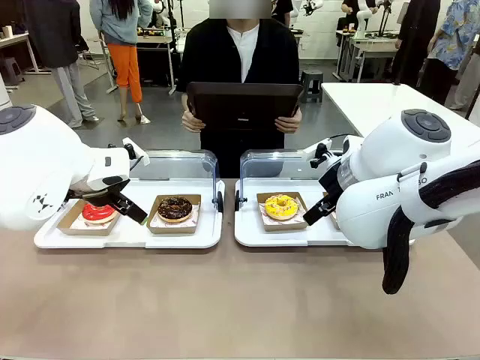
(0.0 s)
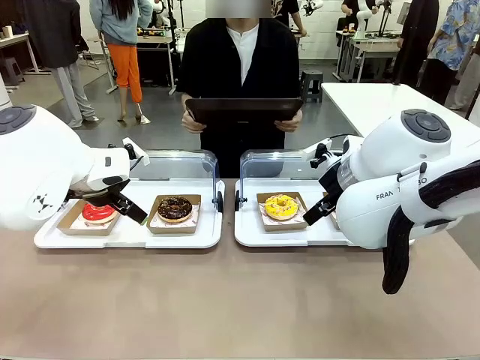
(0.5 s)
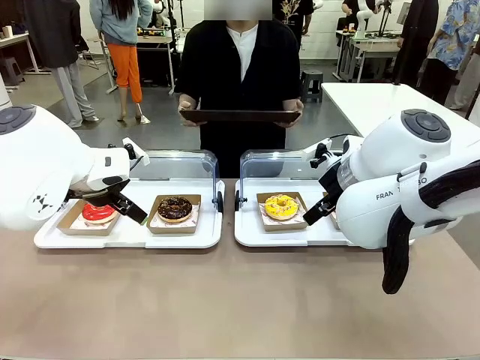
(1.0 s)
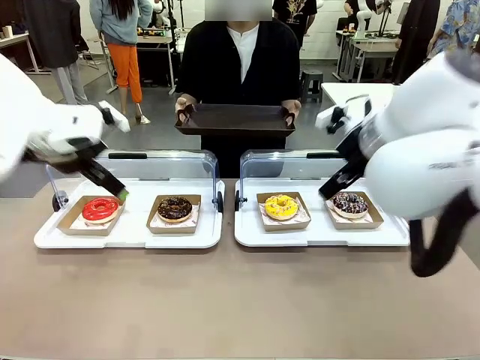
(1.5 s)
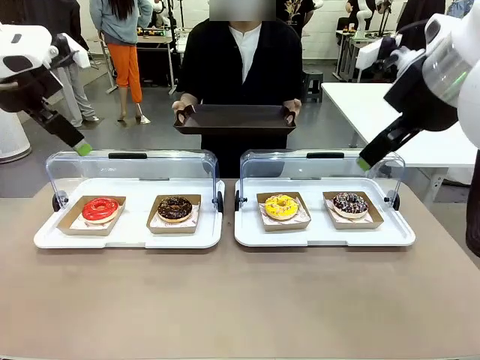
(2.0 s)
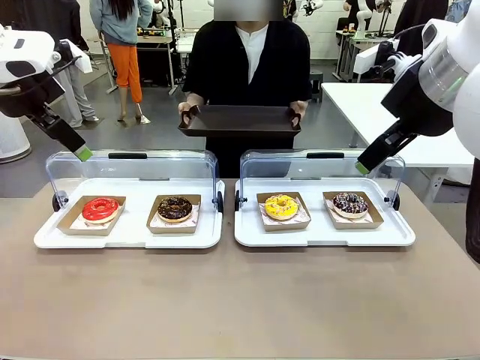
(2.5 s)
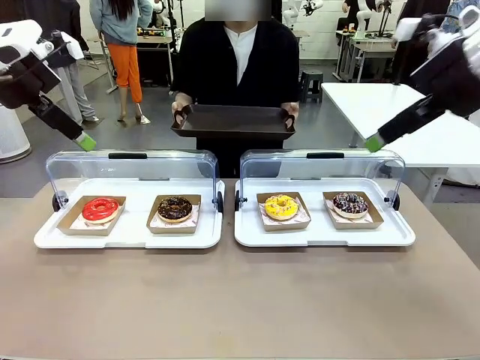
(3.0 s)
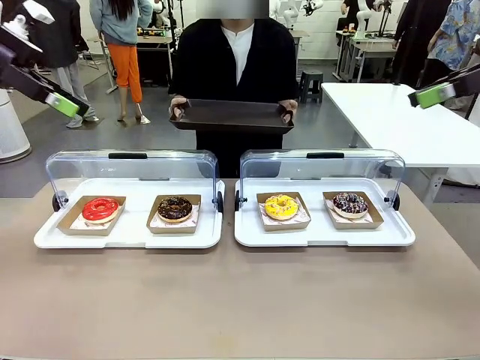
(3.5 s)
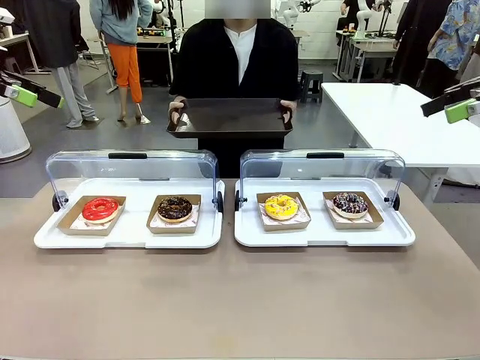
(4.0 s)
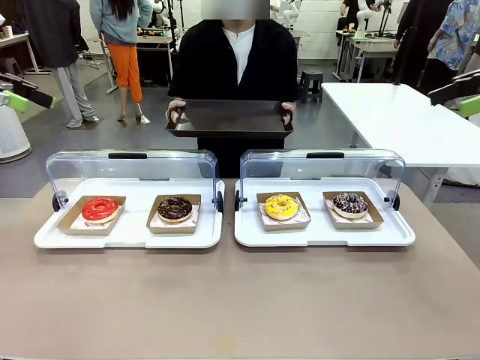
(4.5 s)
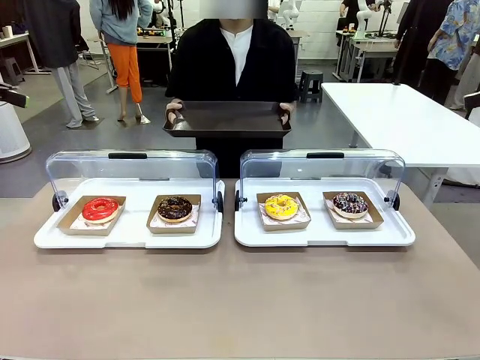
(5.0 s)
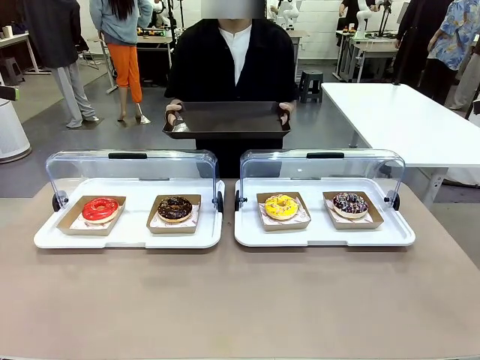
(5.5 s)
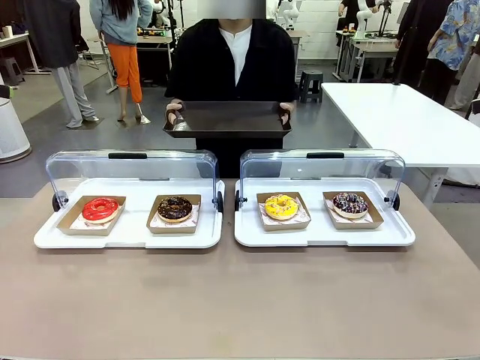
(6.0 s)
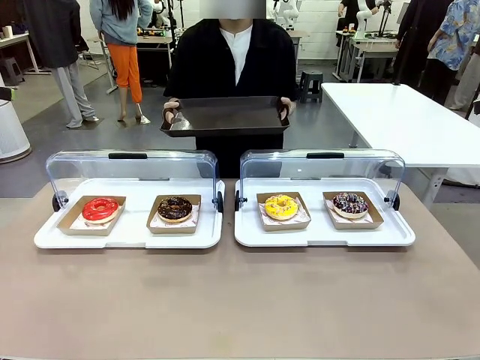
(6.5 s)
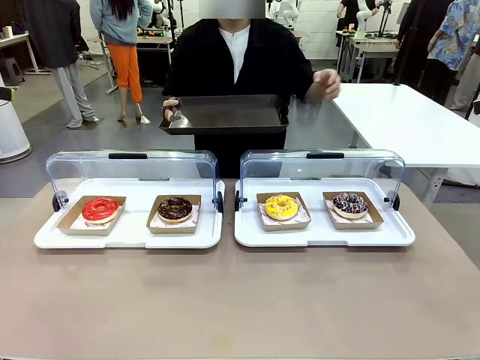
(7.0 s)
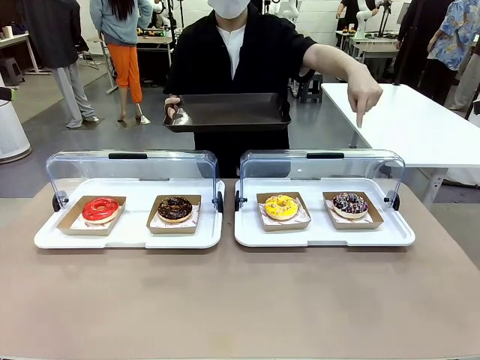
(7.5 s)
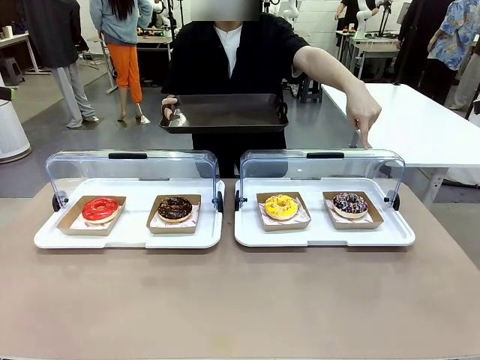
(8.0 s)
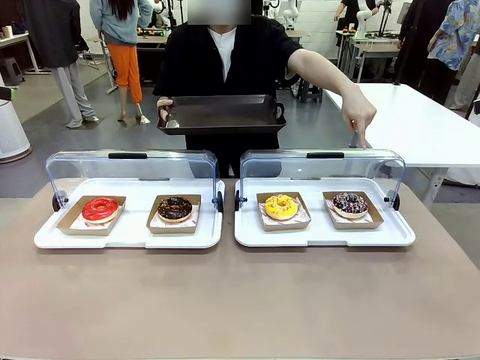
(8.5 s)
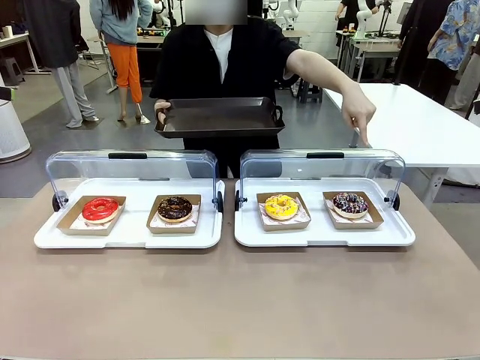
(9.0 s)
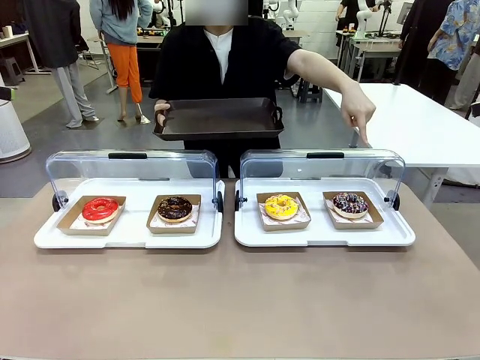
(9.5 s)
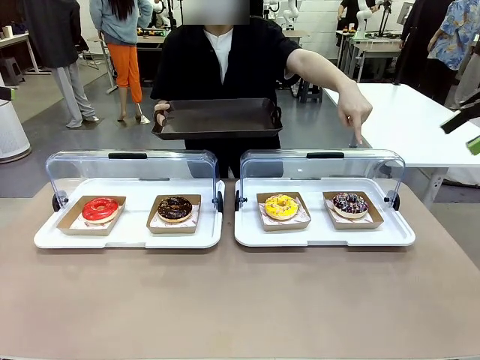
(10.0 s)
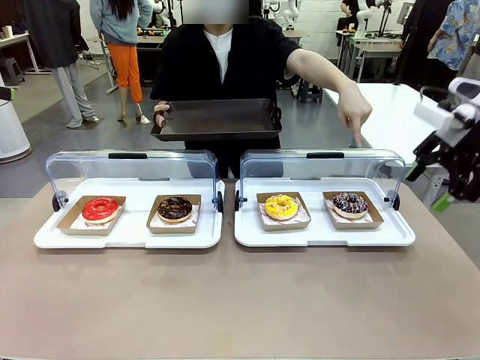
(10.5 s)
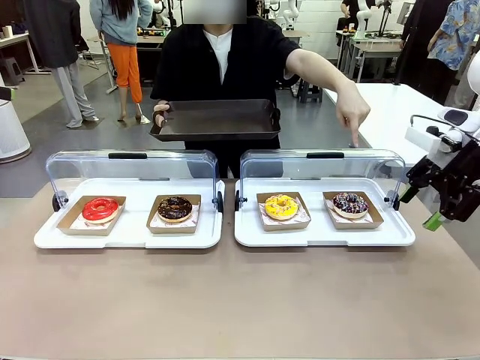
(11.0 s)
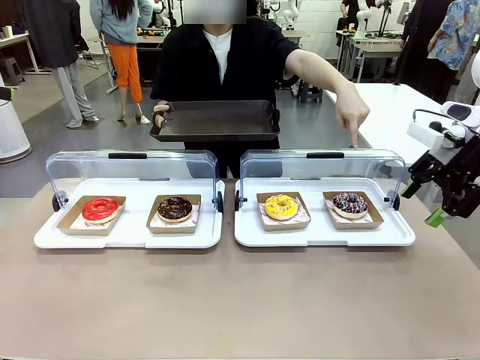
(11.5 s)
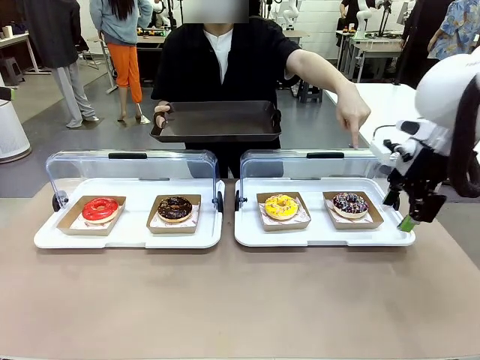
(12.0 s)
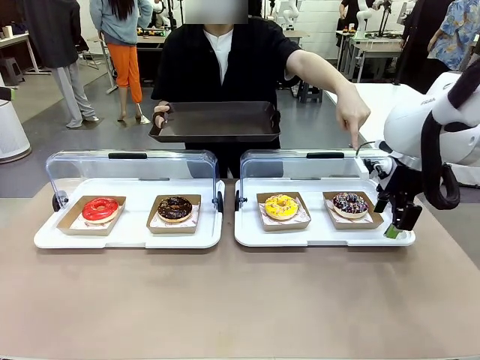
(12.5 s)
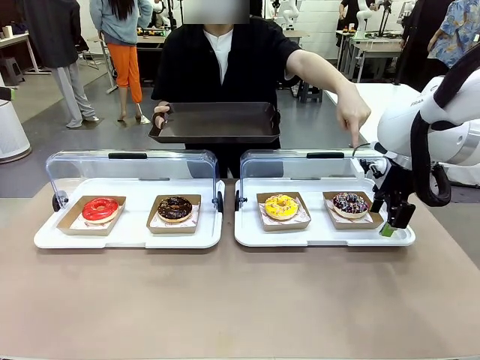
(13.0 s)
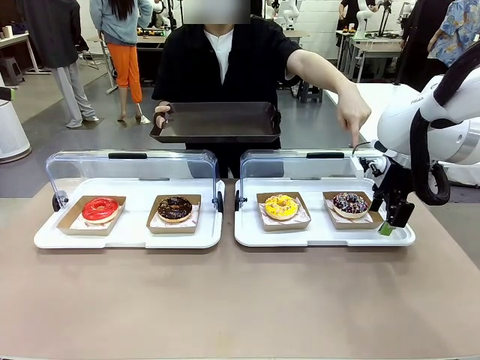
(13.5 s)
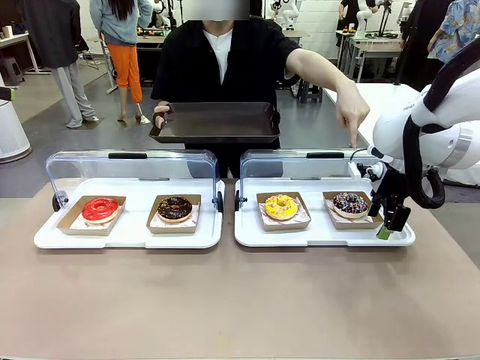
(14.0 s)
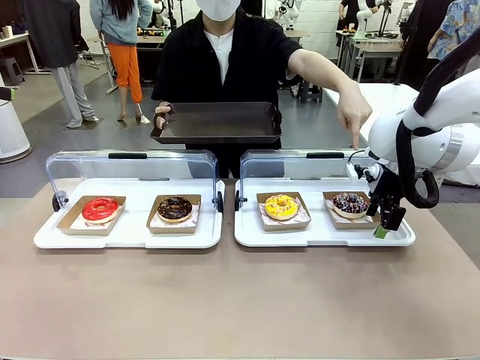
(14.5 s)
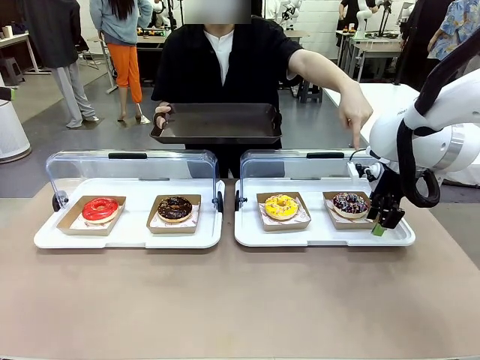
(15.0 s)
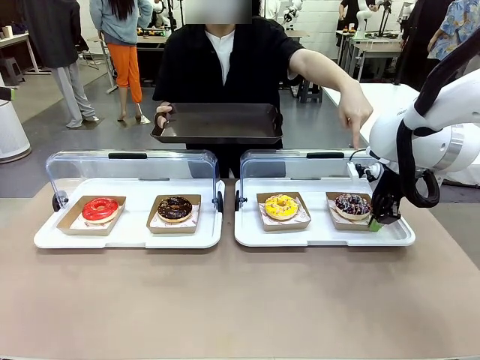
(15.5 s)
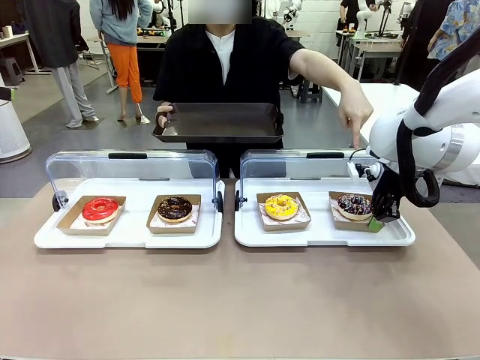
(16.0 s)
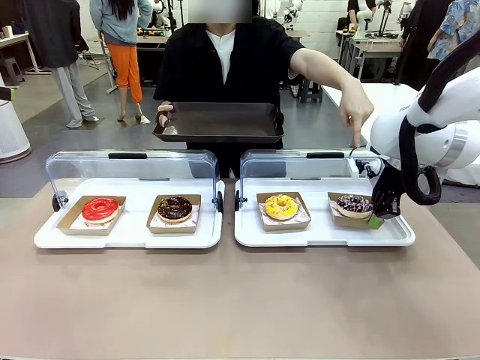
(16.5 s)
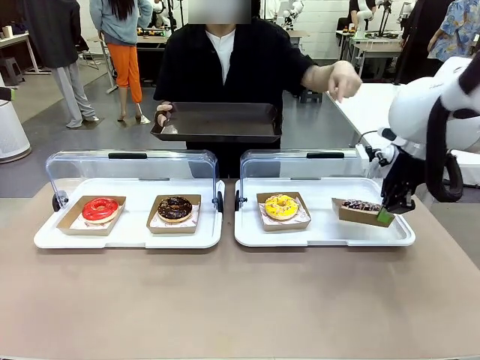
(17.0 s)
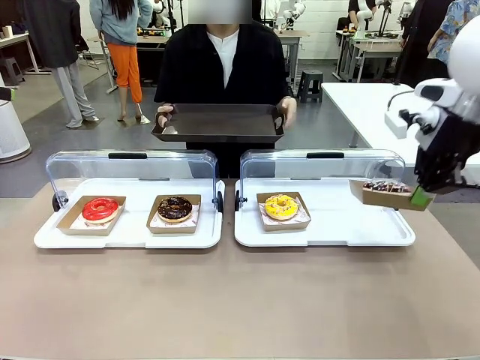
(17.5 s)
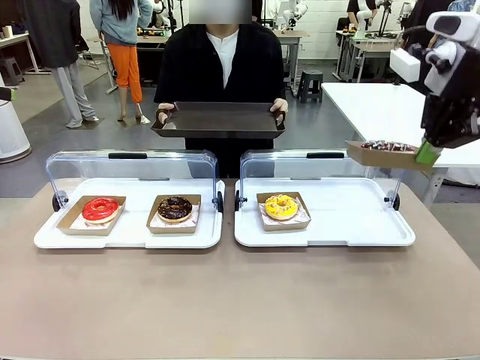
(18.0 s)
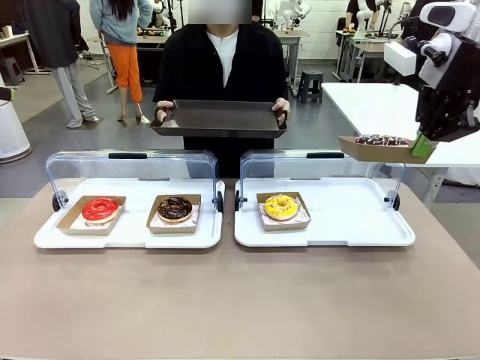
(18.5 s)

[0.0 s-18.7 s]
Task: Provide the desired donut to the person.
Robot: Pick up and lift the Paper togo box containing the Donut pointed at by the person.
Person: Point to one donut. Lift the tray onto the Roll-Top Bakery Case.

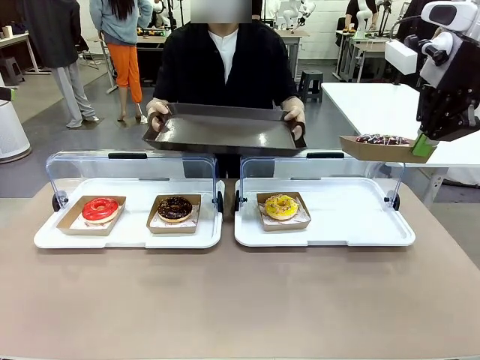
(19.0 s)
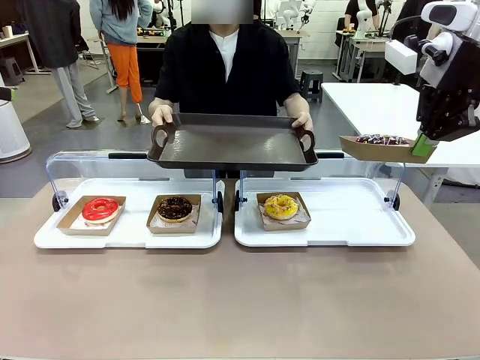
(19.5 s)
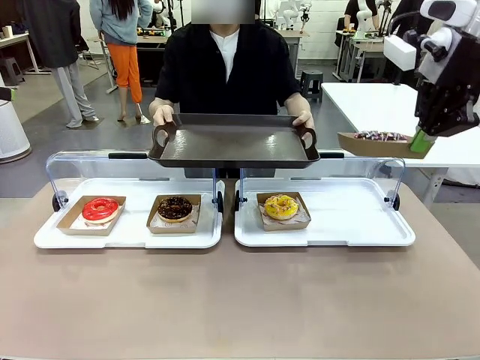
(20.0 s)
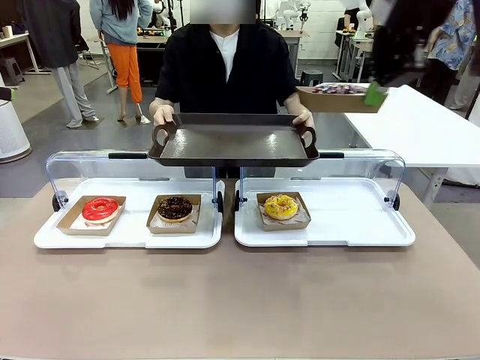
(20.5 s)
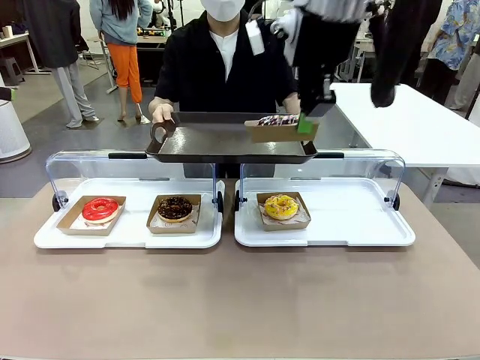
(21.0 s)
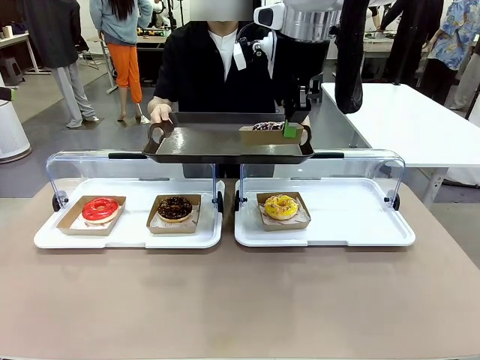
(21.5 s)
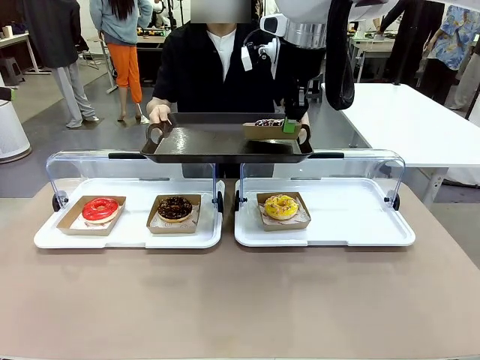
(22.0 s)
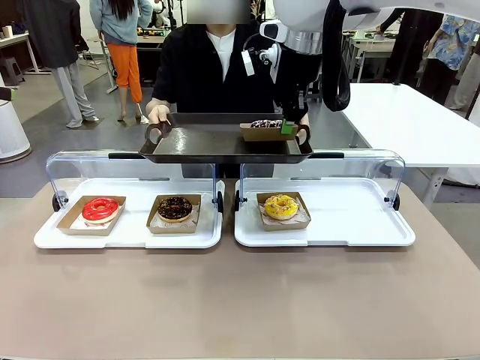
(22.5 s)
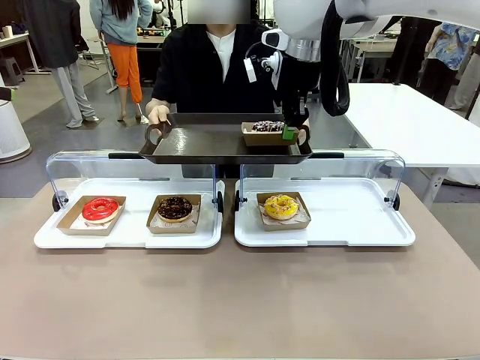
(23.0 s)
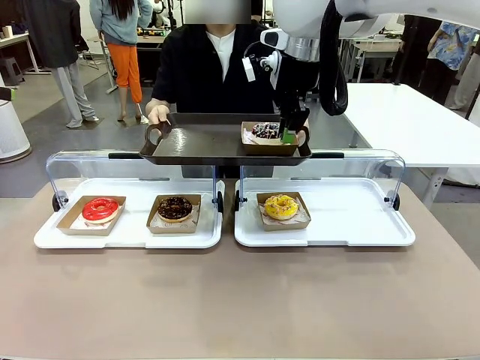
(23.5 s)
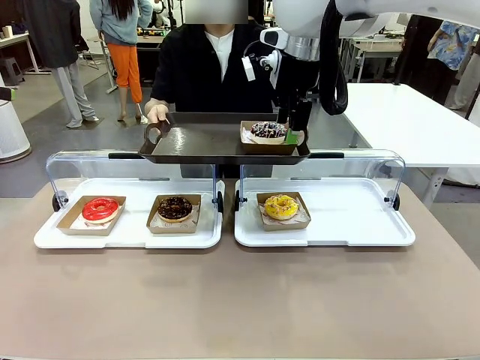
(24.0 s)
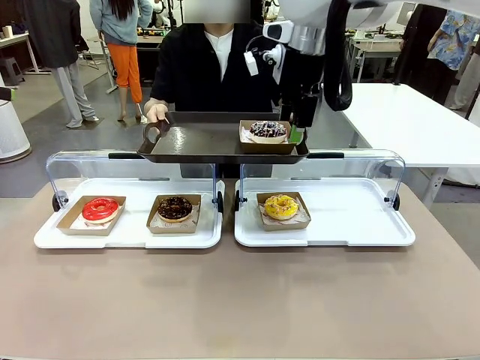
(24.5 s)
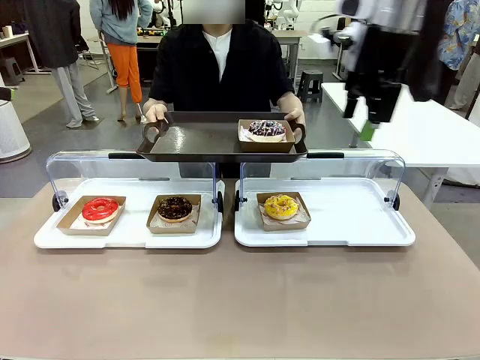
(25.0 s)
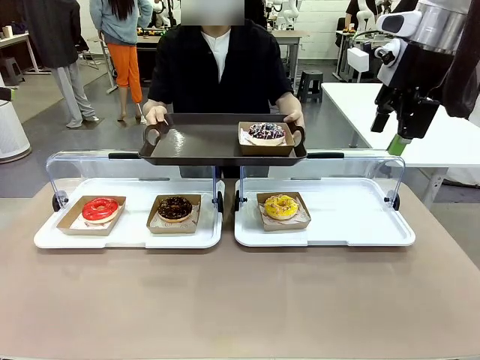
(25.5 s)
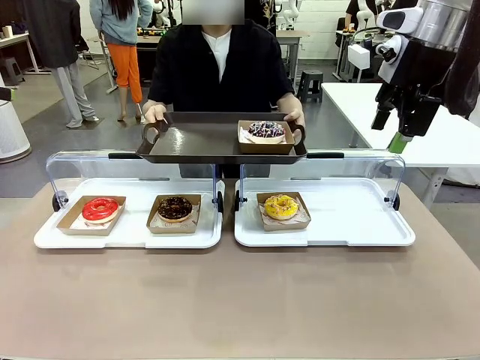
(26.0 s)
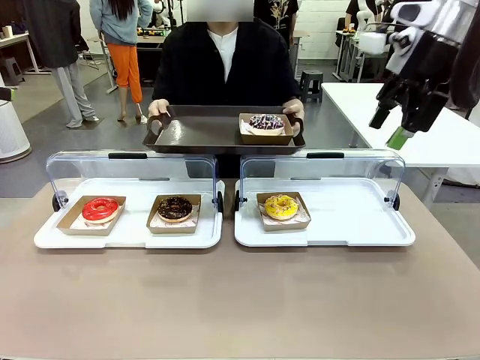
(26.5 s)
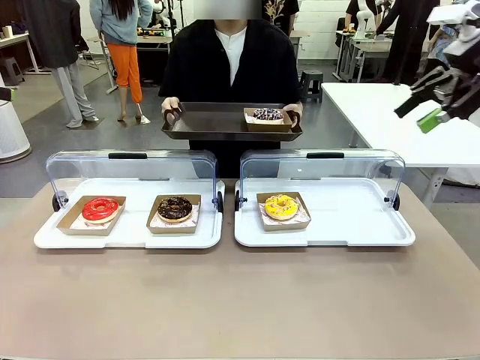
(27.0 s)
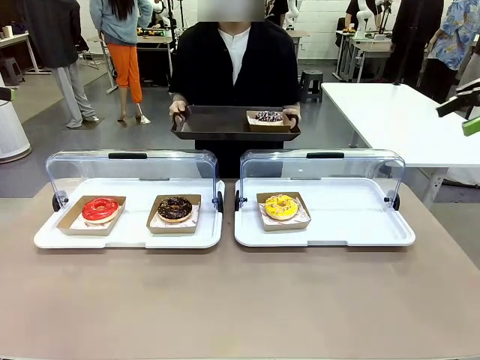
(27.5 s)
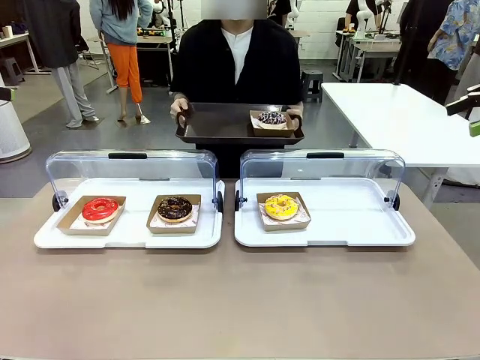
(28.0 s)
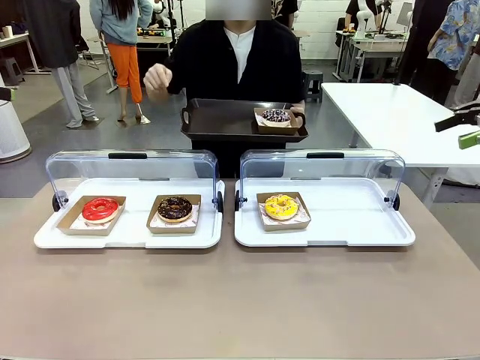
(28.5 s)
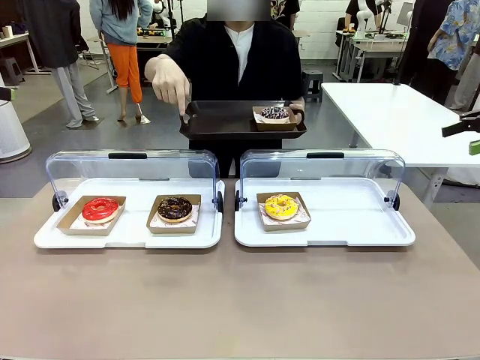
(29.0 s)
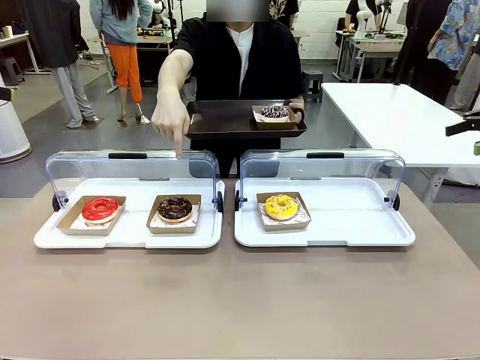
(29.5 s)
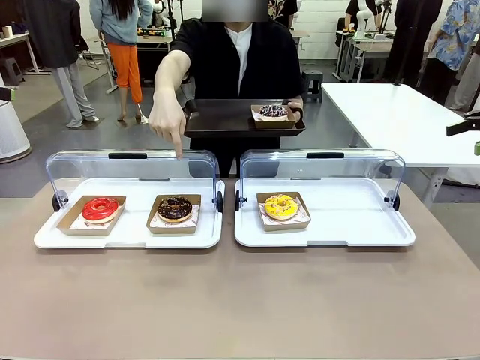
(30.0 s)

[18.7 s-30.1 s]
Robot: Place the picked Paper togo box onto the Handle tray extended by the person.
Person: Point to one donut.
